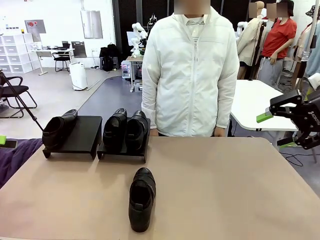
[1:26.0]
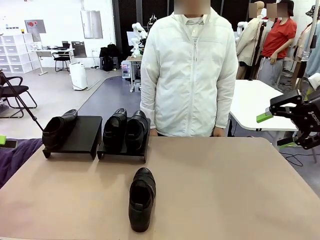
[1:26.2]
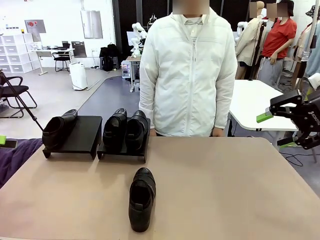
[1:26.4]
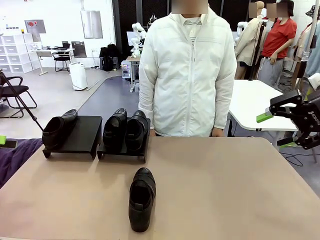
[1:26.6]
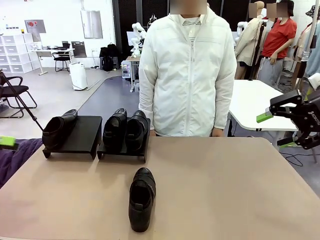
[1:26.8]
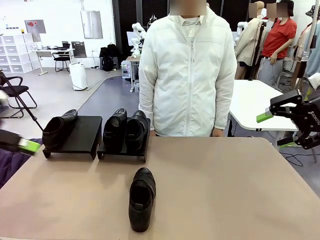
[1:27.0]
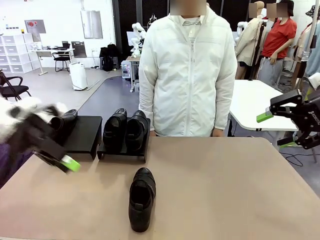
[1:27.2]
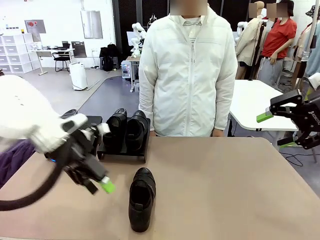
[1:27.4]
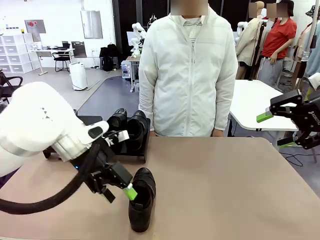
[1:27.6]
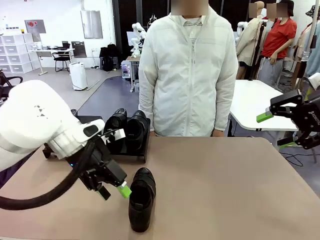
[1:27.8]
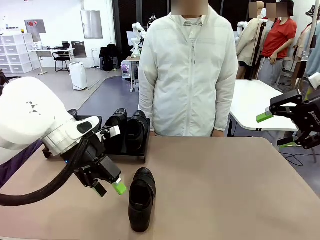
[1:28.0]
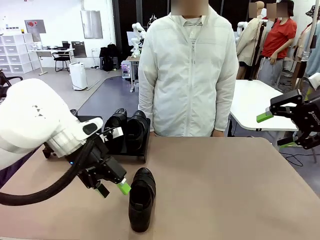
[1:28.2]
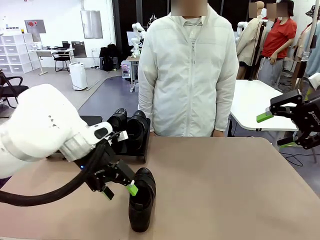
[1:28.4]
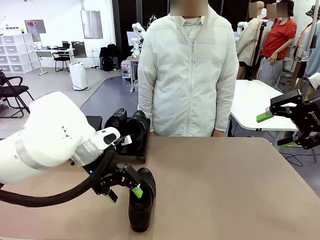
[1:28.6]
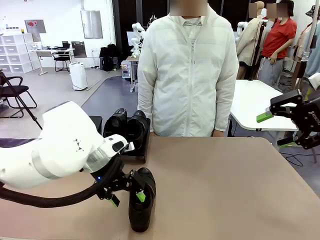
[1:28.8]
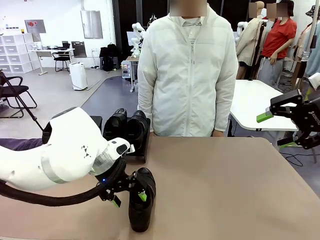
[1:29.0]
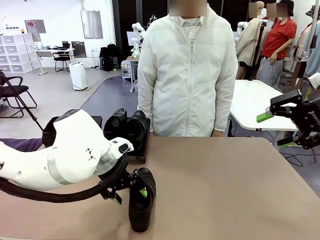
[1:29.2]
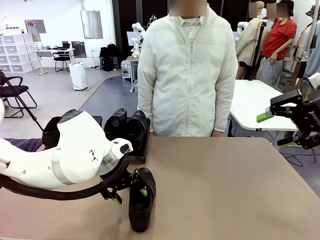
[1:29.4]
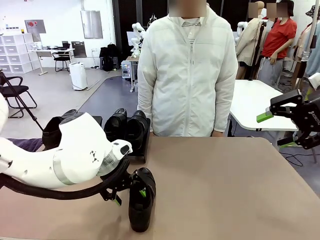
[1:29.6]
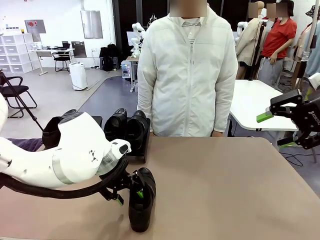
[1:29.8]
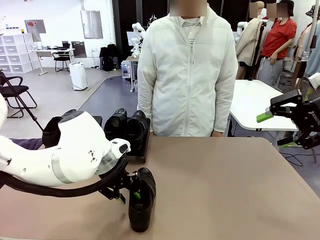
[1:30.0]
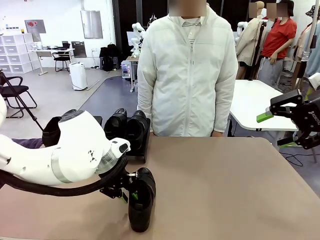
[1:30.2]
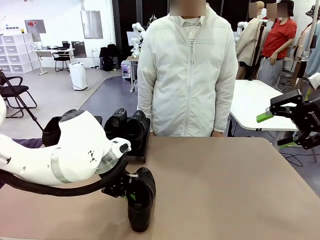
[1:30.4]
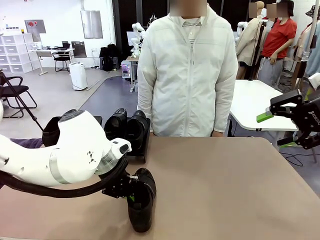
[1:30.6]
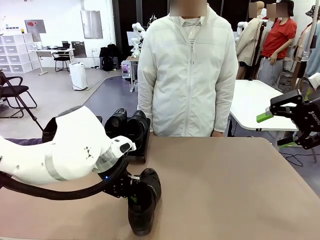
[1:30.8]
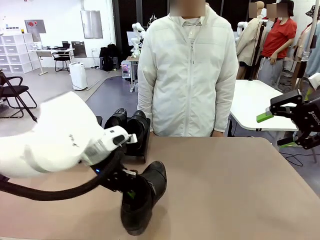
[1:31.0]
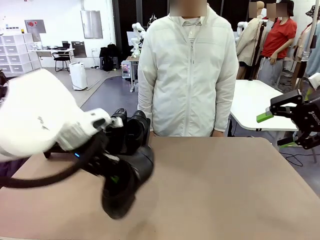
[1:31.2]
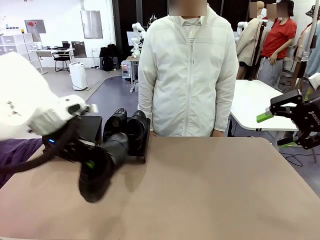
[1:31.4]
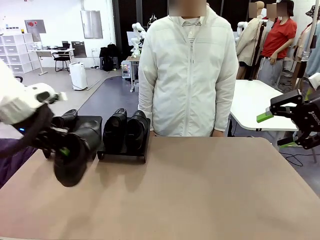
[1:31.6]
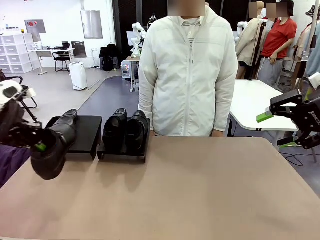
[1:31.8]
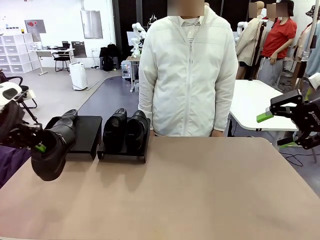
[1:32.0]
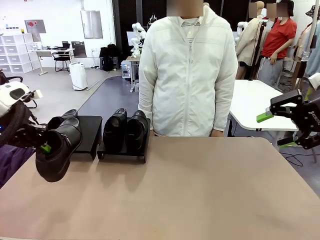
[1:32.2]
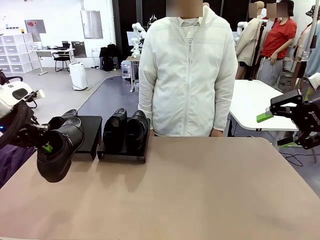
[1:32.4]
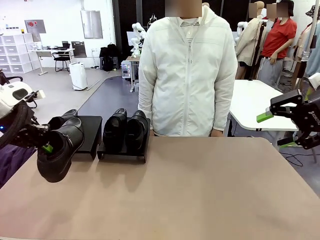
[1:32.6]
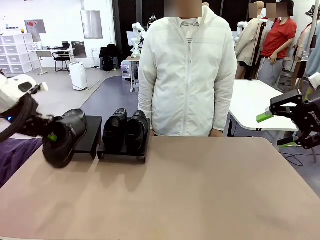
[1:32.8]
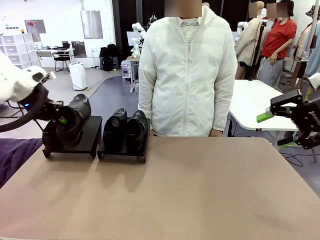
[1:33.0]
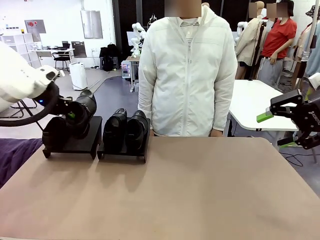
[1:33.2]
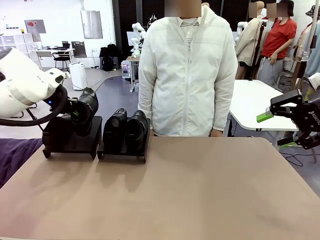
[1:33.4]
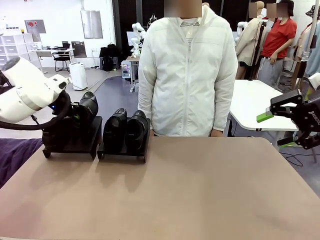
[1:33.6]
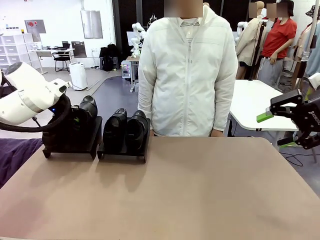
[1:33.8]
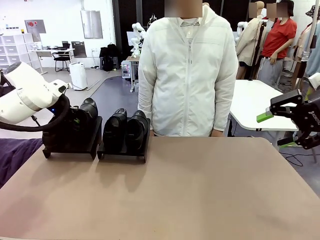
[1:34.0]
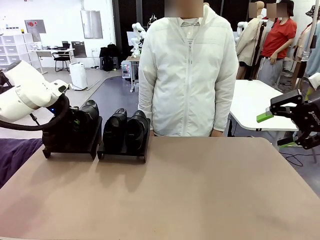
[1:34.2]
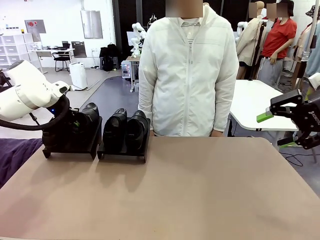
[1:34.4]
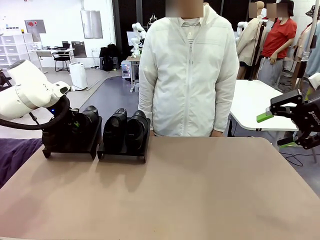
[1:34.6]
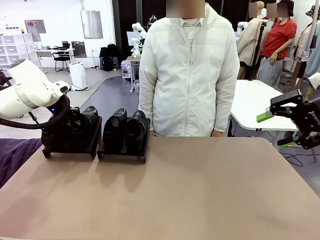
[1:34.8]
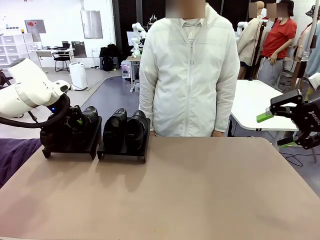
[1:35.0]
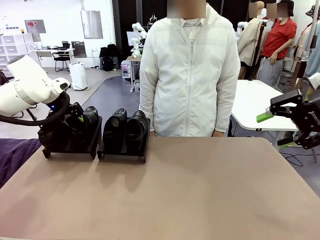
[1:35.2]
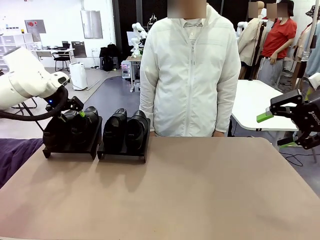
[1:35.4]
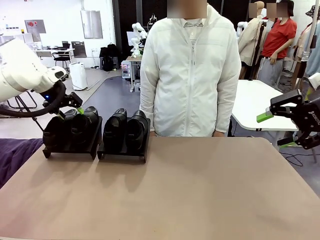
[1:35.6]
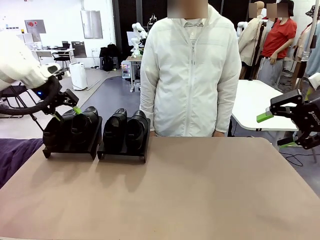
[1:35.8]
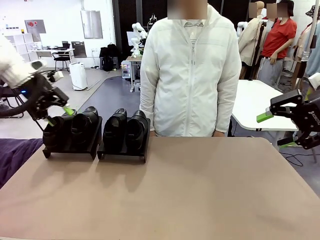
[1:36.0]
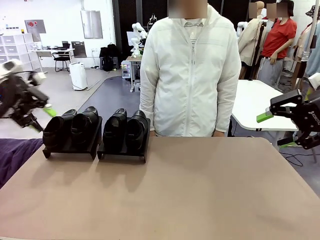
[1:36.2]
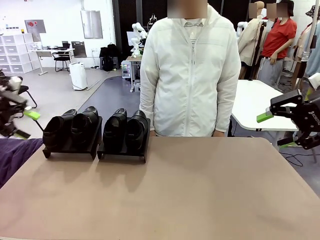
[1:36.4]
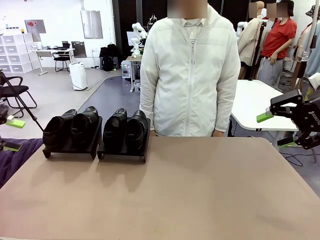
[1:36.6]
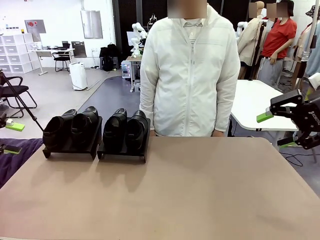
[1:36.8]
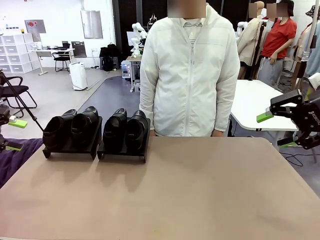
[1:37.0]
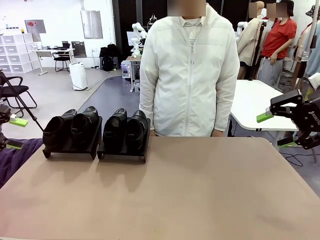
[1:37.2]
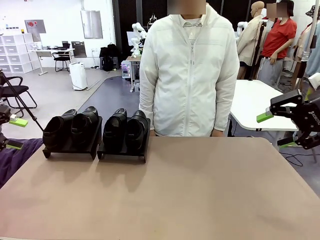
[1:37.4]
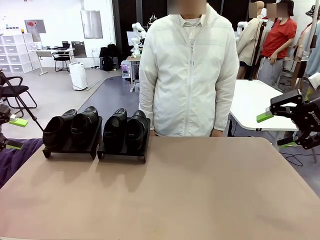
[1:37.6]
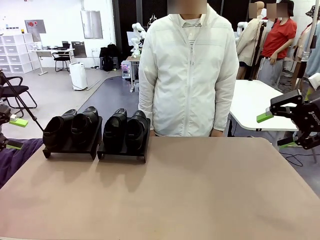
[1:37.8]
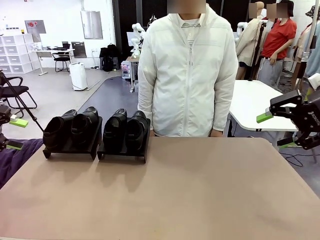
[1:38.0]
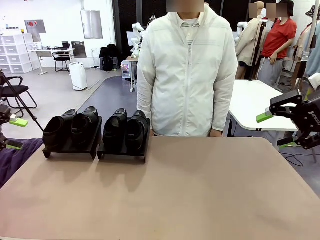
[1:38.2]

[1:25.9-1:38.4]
Task: Organize the shoes by placing them on the stand.
Robot: Place the Shoe from the middle of the table onto the Shoes Stand.

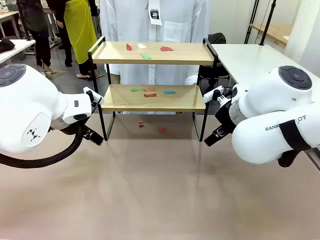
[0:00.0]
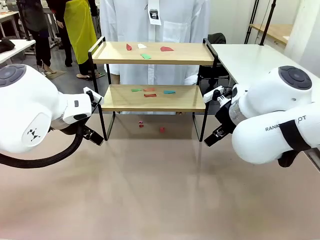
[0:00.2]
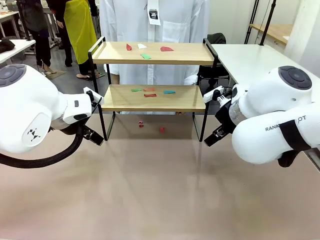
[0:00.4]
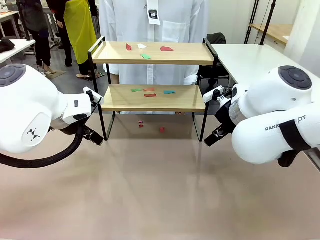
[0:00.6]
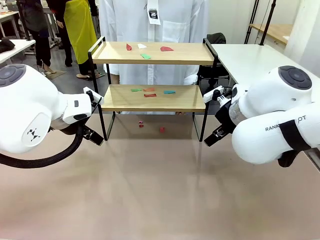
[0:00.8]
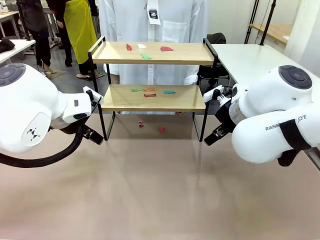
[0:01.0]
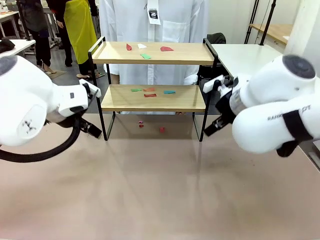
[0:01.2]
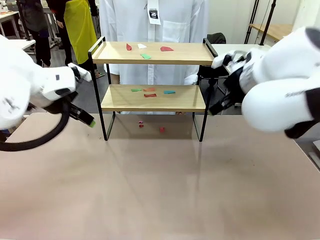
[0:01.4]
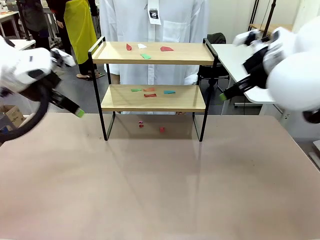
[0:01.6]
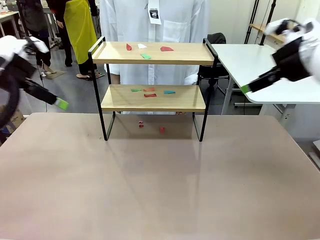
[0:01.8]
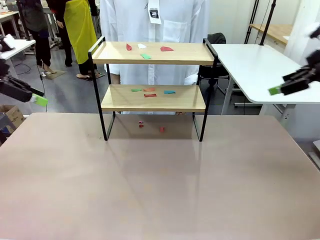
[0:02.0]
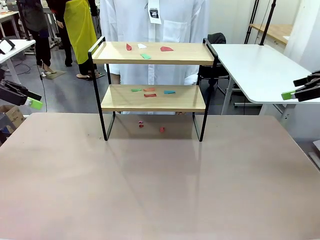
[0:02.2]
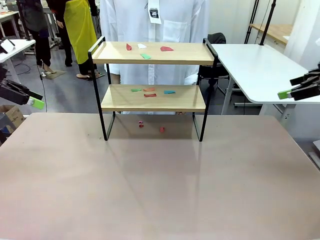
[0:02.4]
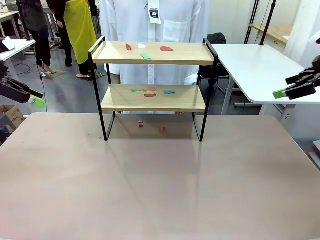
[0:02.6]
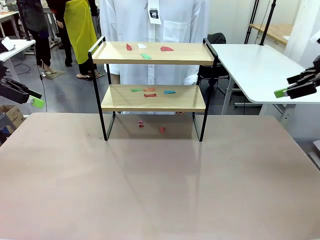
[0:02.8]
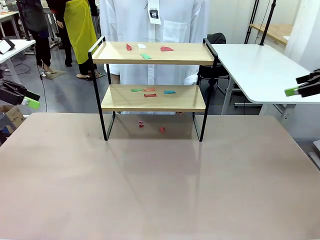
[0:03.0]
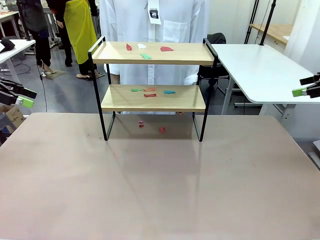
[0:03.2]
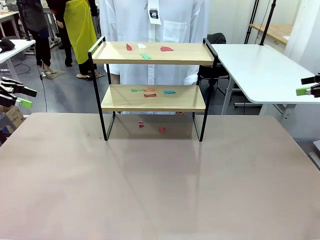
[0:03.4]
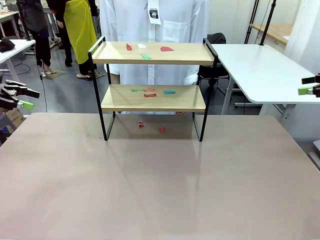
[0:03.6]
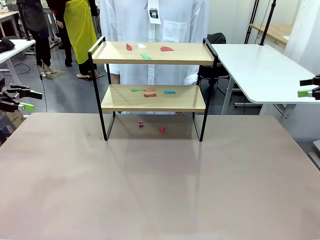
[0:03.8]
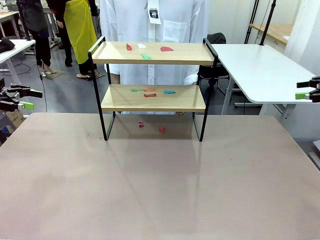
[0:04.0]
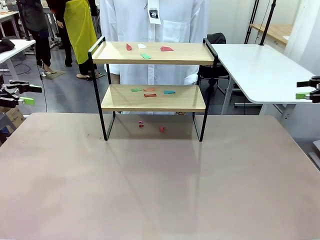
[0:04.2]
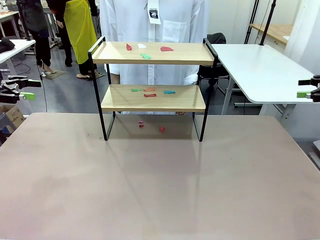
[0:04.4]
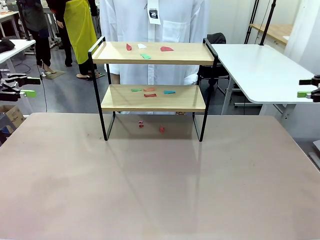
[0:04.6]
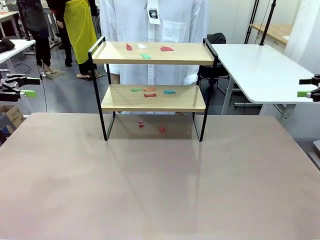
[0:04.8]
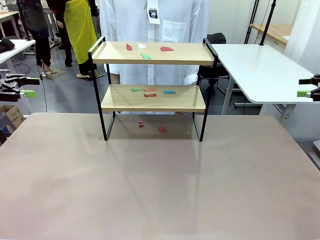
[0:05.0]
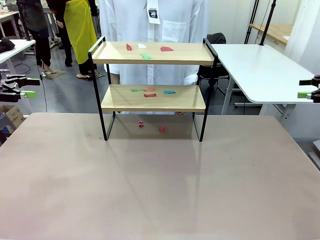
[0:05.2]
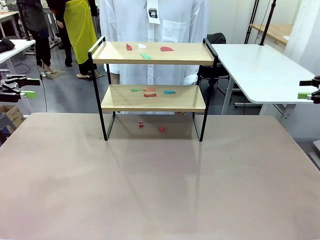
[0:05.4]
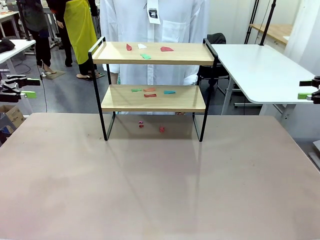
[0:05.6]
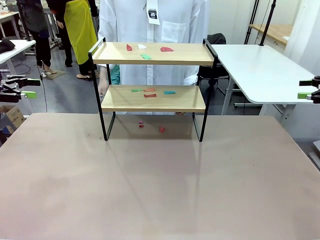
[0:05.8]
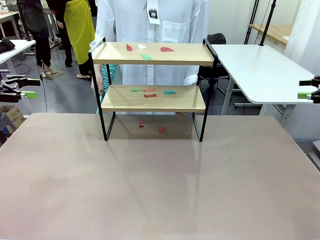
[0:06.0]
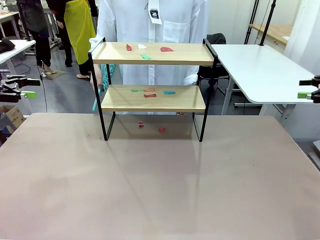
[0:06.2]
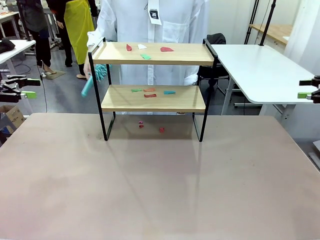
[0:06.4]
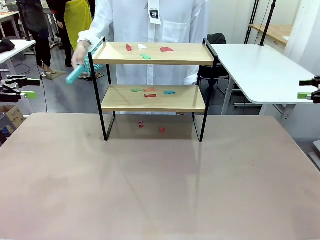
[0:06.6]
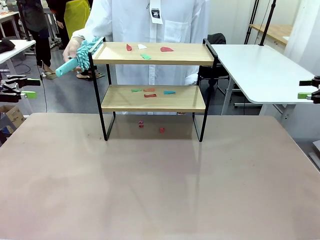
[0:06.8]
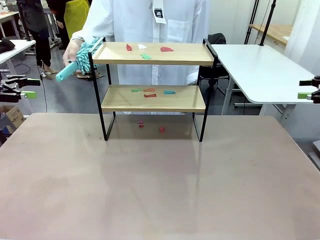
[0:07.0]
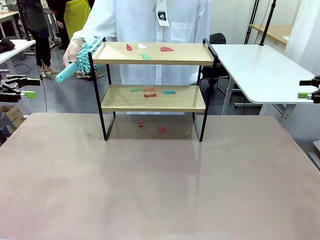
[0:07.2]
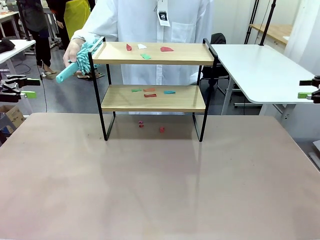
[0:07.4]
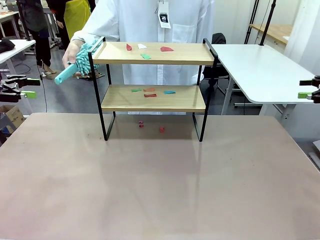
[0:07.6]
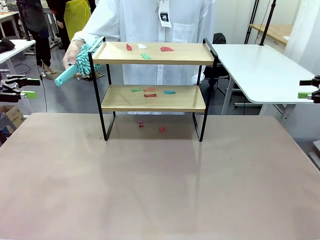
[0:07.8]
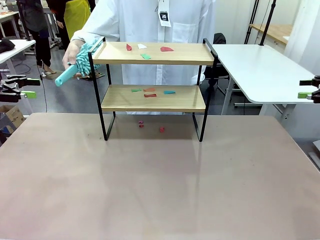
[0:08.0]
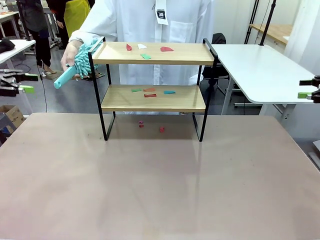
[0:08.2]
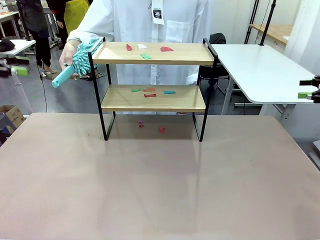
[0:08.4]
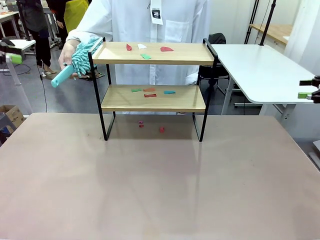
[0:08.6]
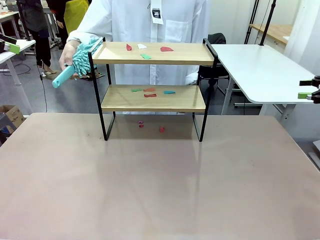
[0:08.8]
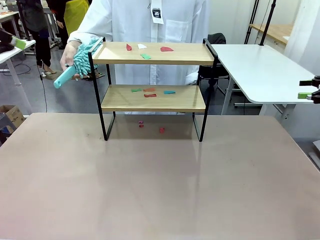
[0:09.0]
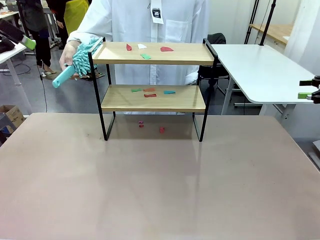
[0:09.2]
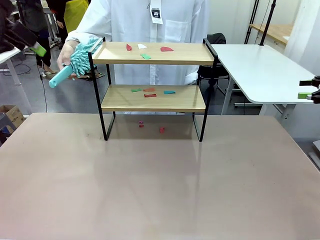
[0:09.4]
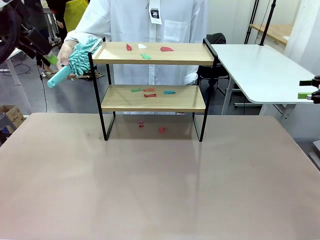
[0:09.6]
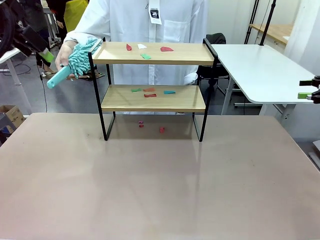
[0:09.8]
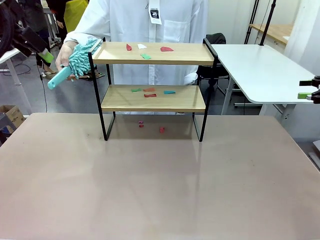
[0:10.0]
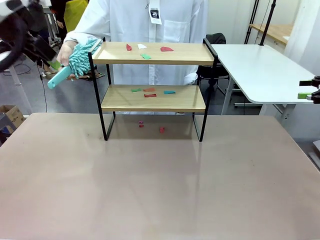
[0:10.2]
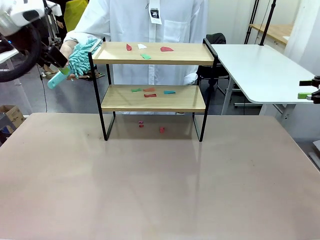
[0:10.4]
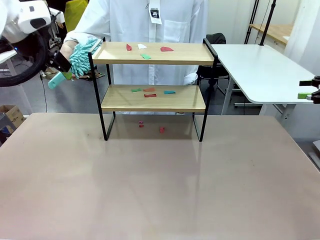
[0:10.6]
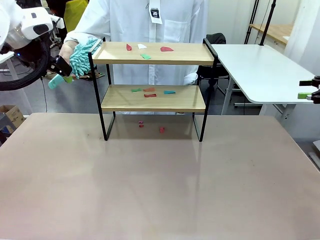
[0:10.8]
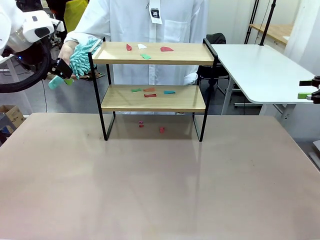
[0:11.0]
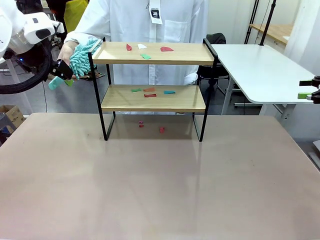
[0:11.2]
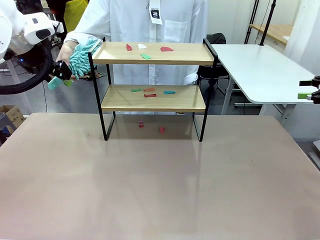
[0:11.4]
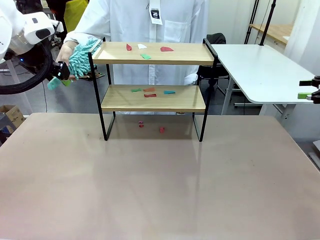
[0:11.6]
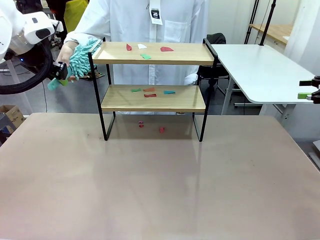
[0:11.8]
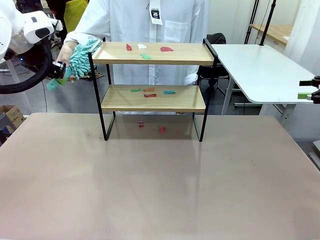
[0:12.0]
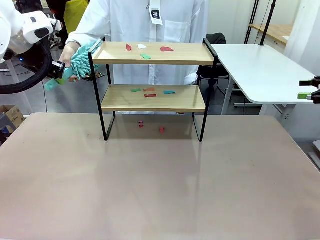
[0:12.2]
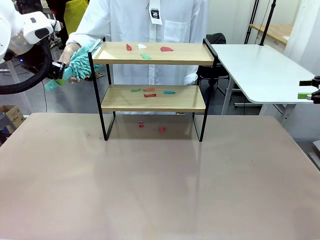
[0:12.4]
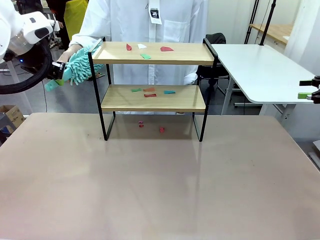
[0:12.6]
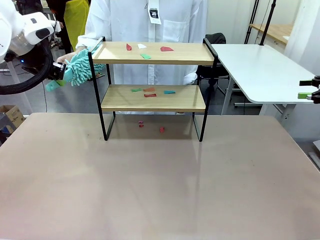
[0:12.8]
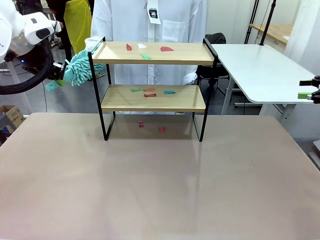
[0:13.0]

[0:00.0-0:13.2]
Task: Clean the shelf.
Robot: Pick up the Duster handed by the human.
Person: Hand the Duster to the robot.
